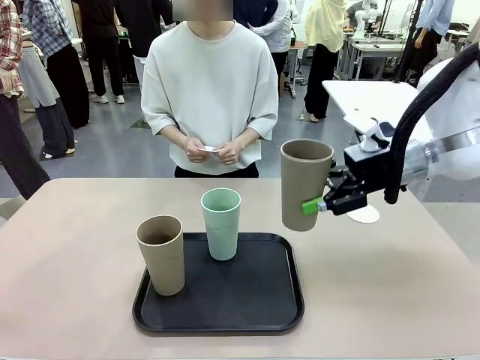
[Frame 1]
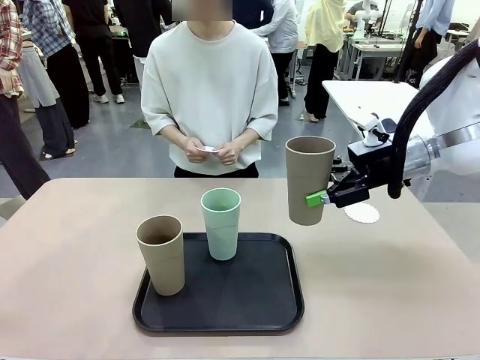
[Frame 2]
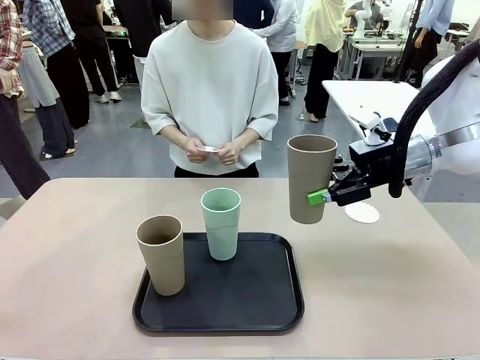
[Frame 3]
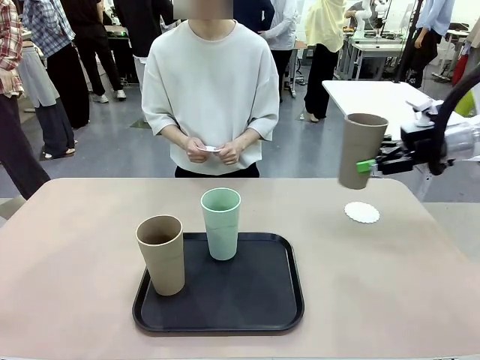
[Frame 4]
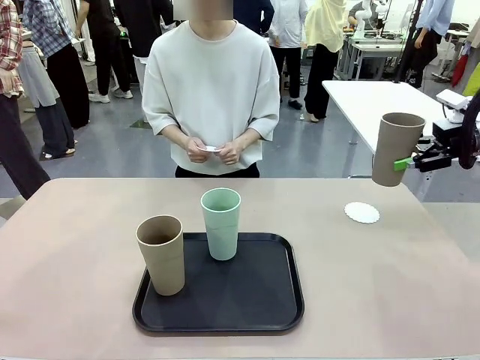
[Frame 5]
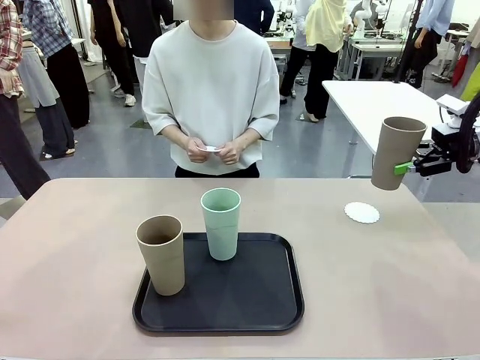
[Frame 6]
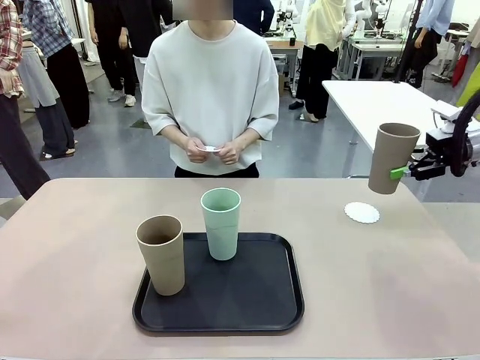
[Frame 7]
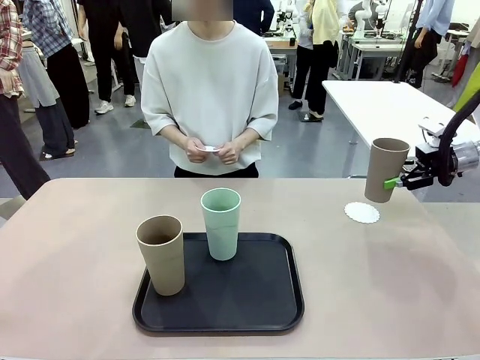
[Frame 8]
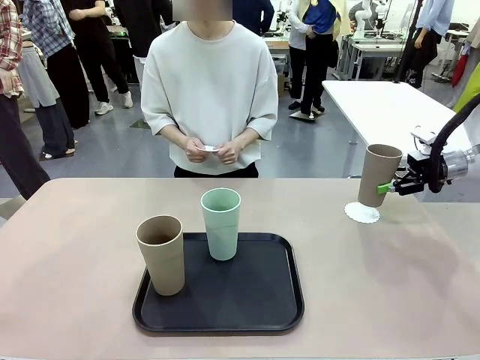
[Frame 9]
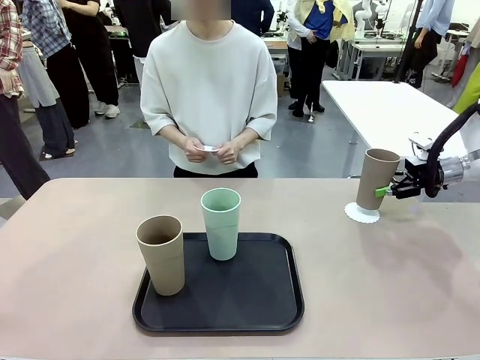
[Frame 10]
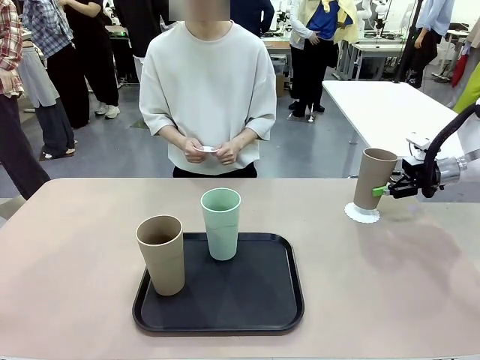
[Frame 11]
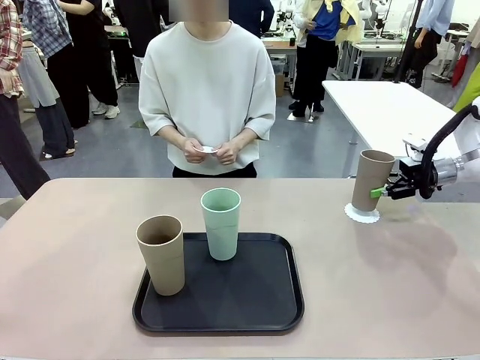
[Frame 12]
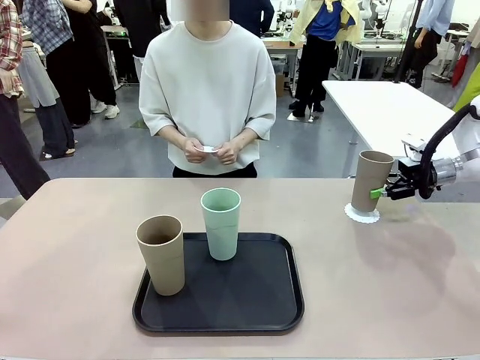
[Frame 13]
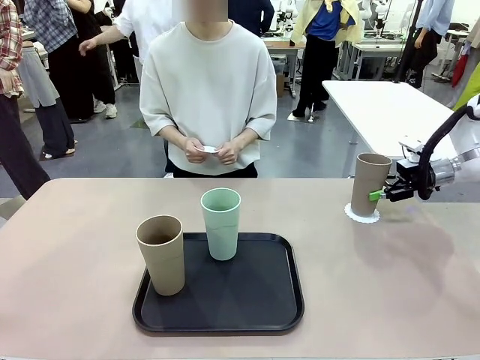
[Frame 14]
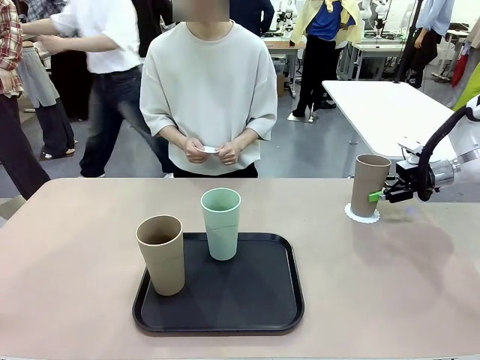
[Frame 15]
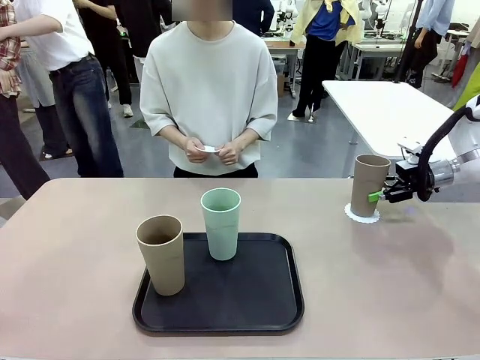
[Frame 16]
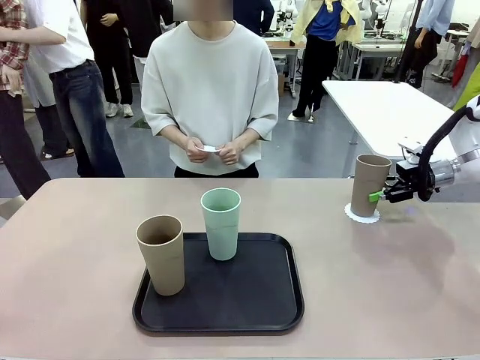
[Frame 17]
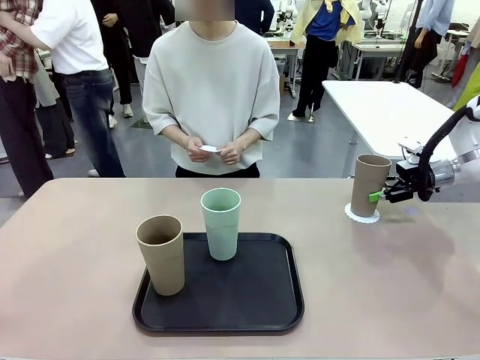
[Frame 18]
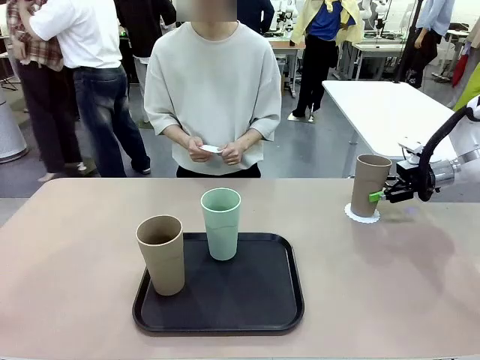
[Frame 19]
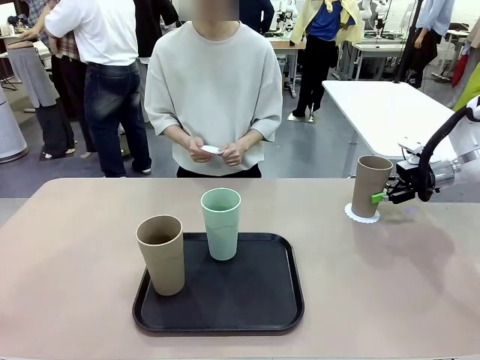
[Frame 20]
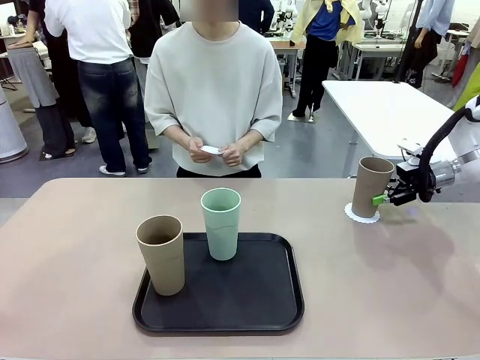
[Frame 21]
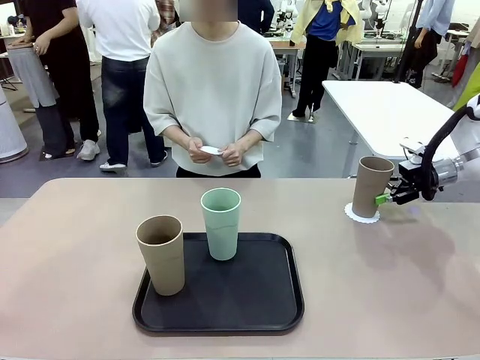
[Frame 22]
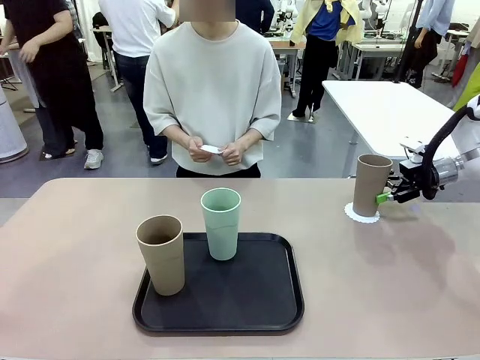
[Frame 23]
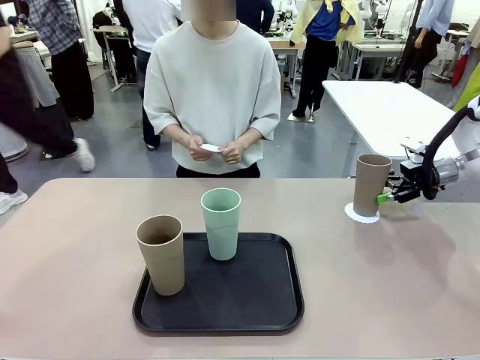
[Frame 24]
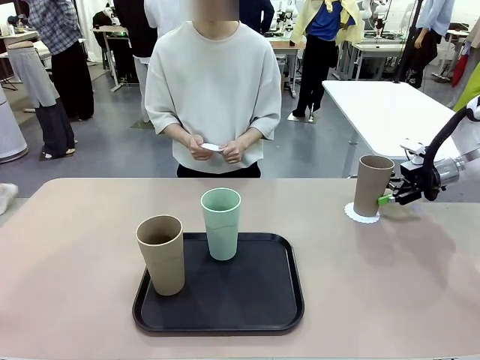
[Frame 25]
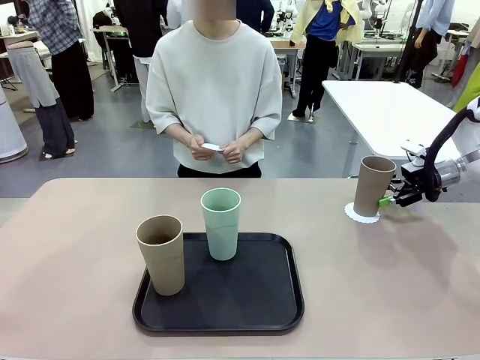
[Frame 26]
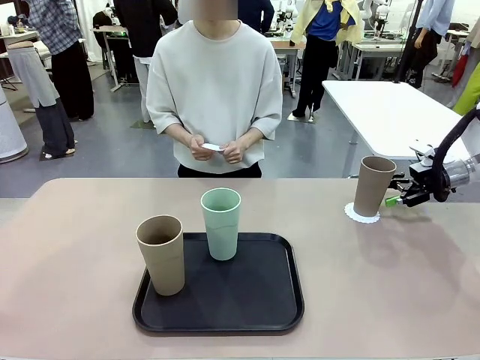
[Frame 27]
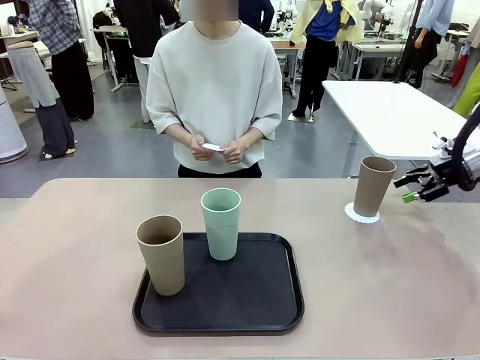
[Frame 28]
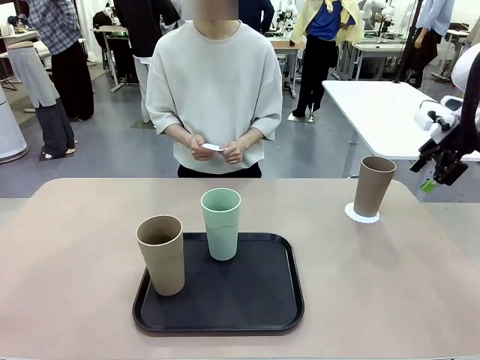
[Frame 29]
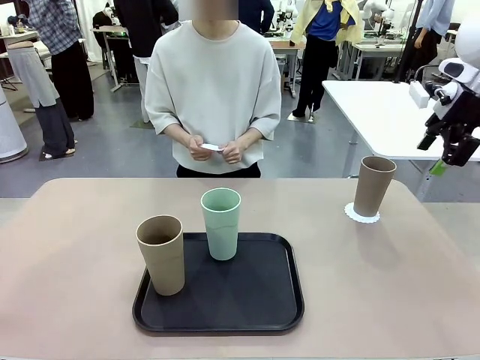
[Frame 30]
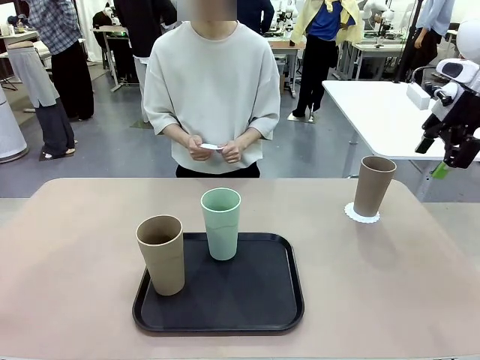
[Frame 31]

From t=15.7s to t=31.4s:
Task: Place coasters on the table and set cups on them.
Robot: Pick up one Reusable plastic cup and place it on a coaster set by the human.
Person: Place one coaster in one of the two areas excluding the previously selected area.

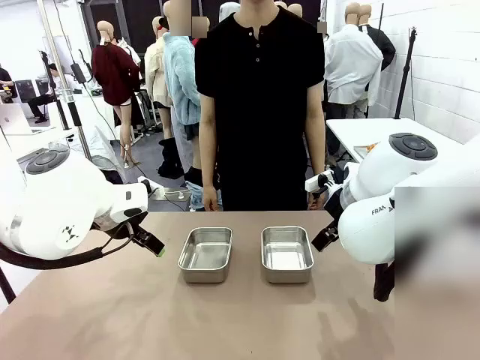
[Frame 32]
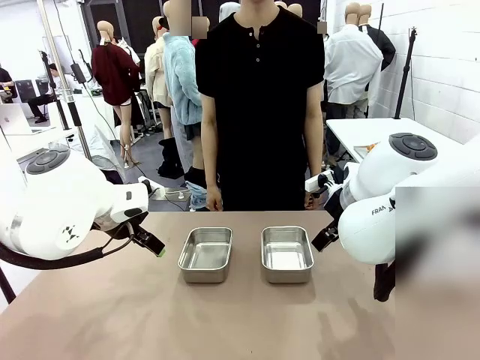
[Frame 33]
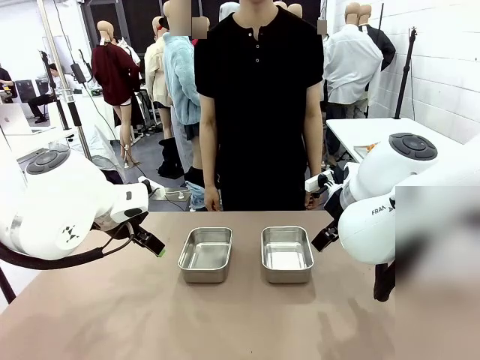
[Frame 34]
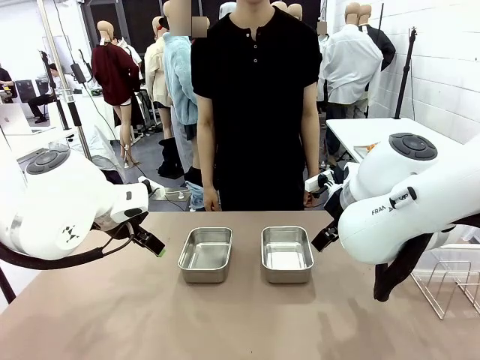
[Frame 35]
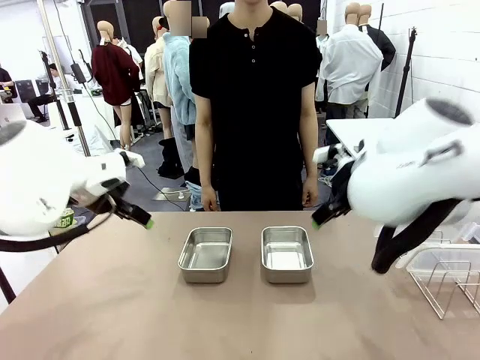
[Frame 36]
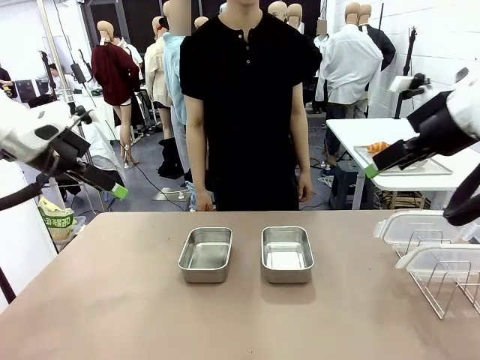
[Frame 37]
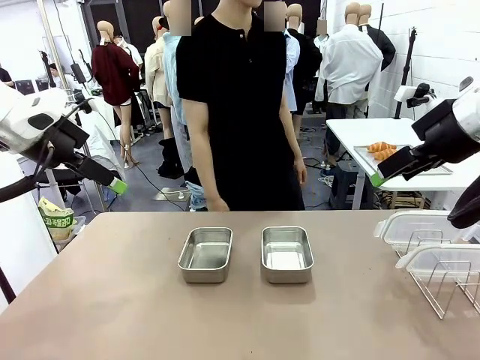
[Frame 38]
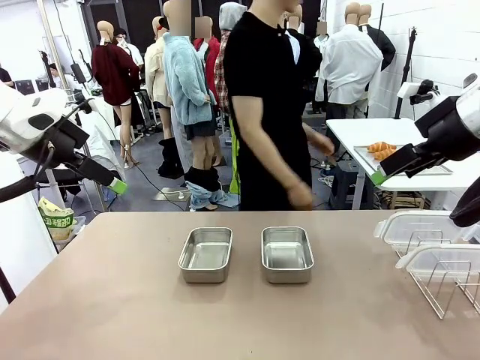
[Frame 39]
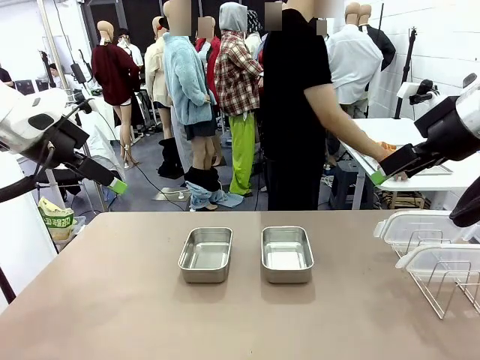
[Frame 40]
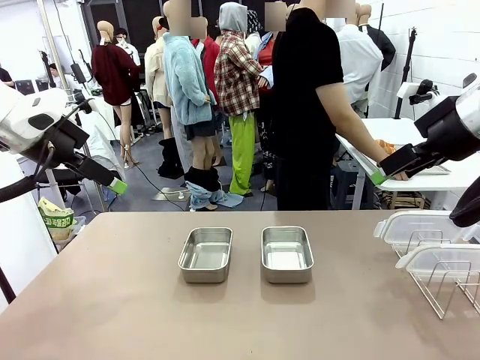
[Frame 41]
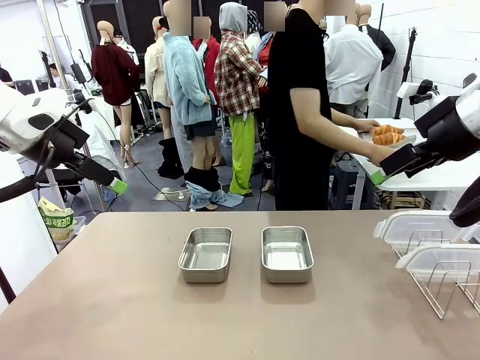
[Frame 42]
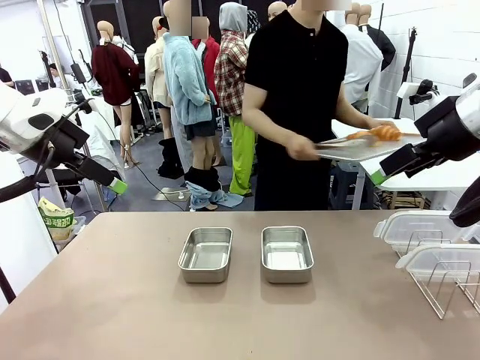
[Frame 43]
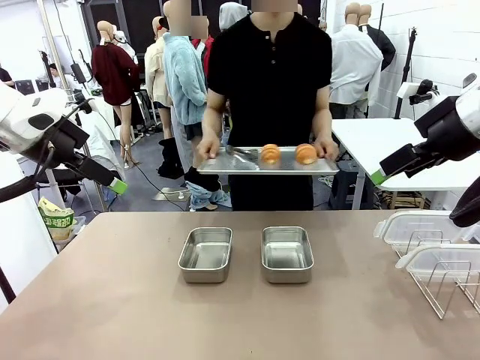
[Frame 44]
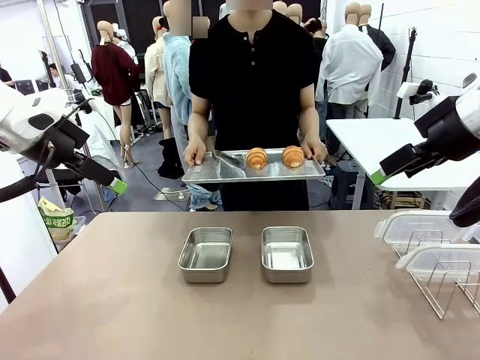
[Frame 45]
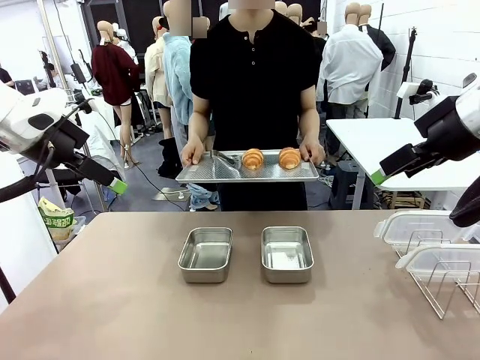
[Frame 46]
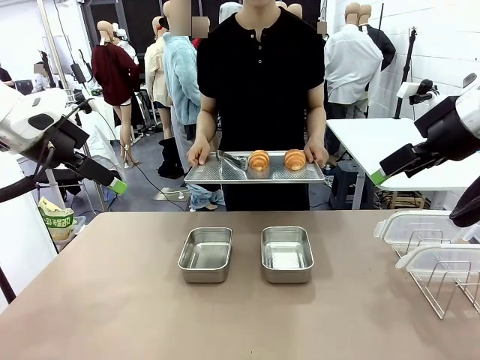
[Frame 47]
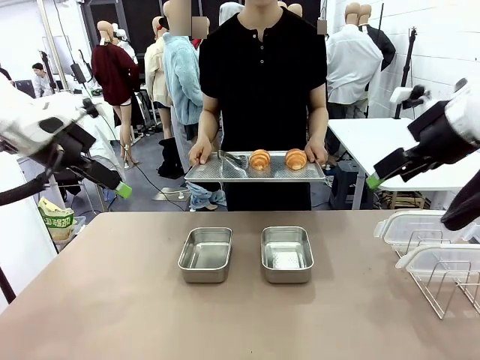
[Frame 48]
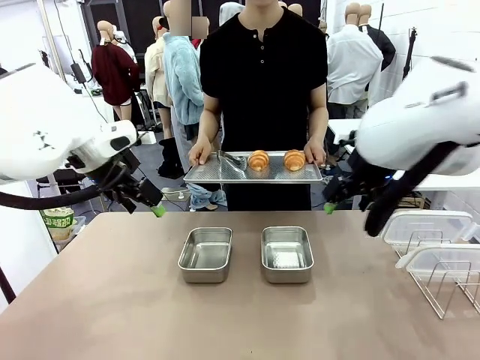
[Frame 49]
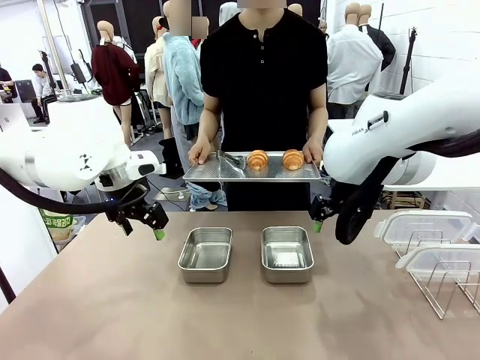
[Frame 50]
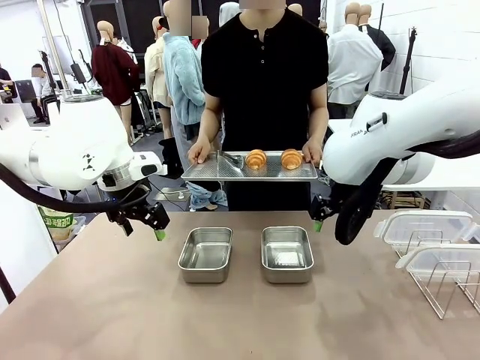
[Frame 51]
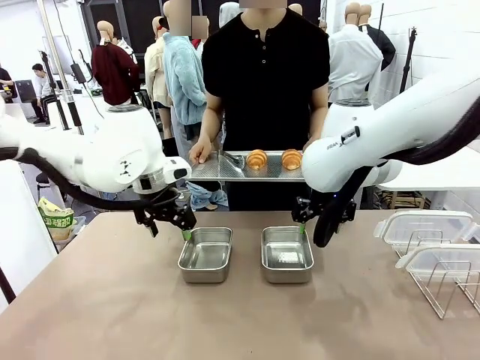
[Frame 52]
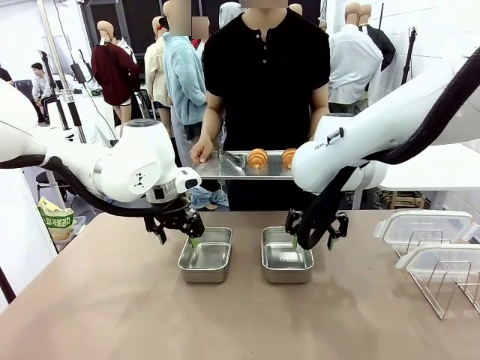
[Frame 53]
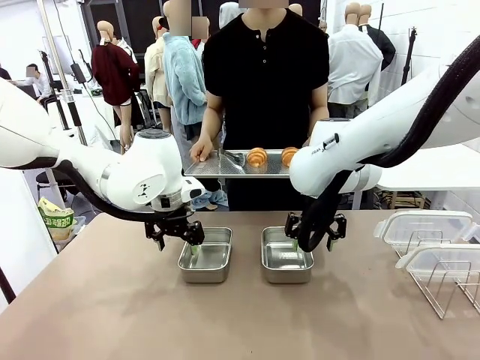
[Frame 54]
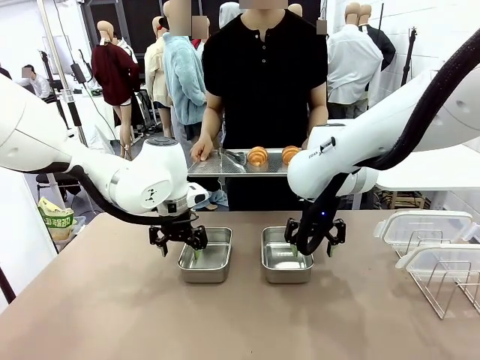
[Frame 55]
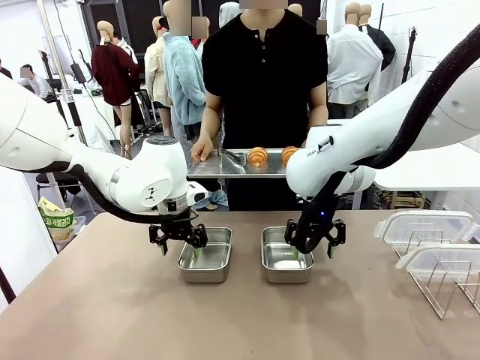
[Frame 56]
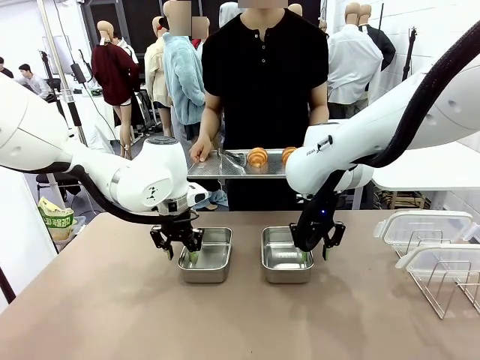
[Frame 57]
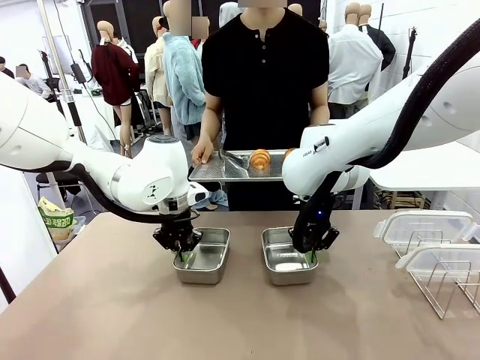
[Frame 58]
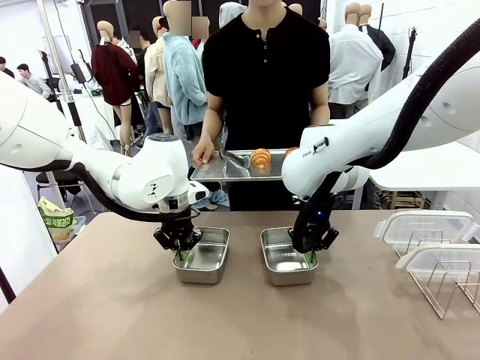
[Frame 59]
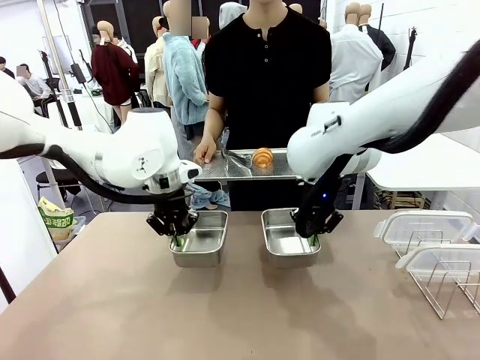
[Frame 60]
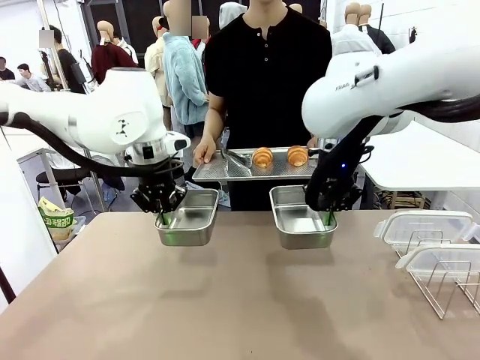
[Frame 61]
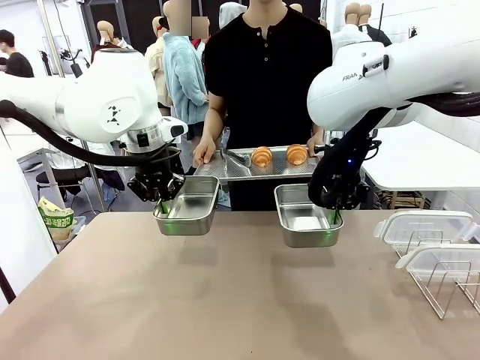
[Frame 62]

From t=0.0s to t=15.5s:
Task: Place the bread in airtight containers.
Robot: Lift both Airtight Container.
Person: Bring the Baking Sheet in front of Robot's Table.
